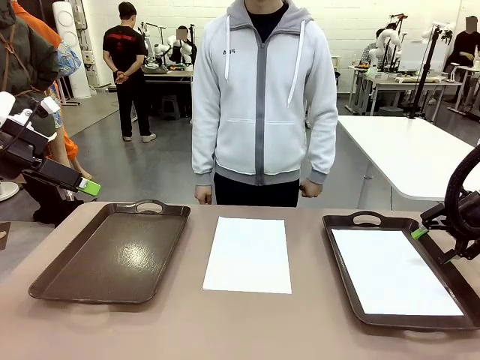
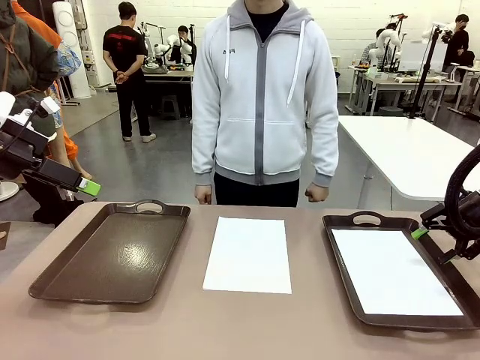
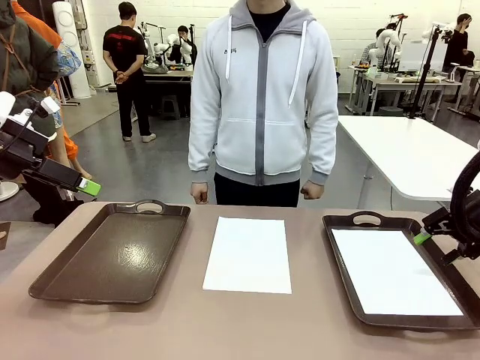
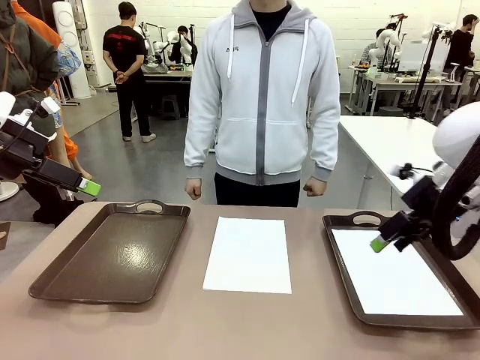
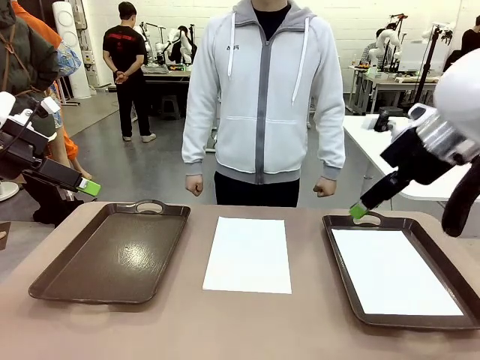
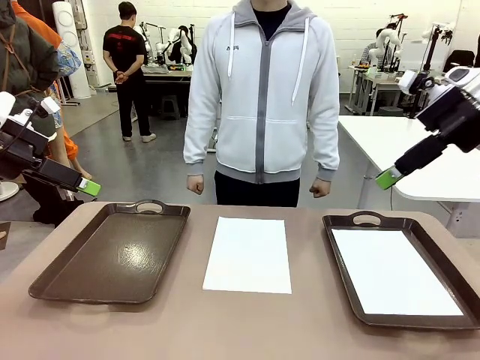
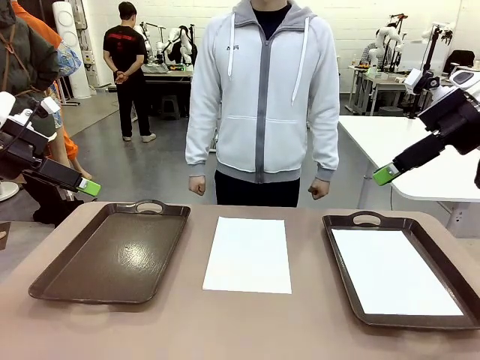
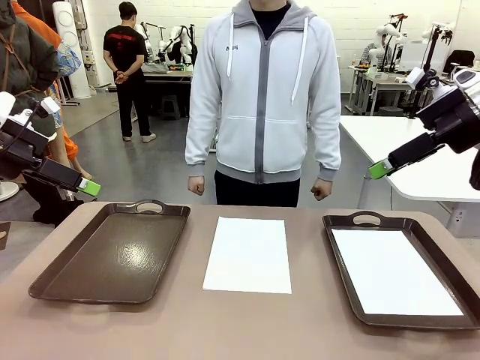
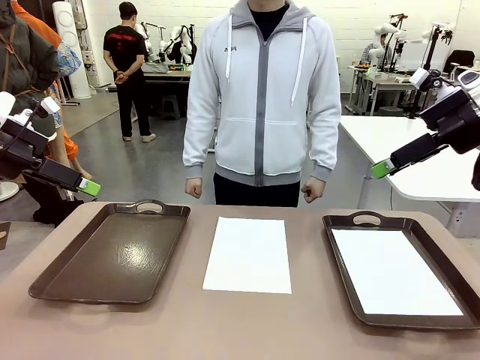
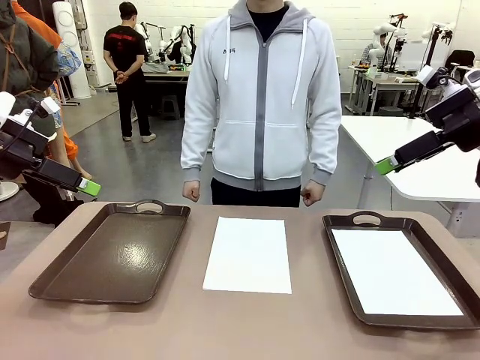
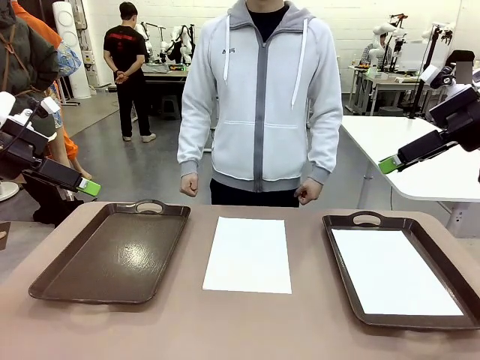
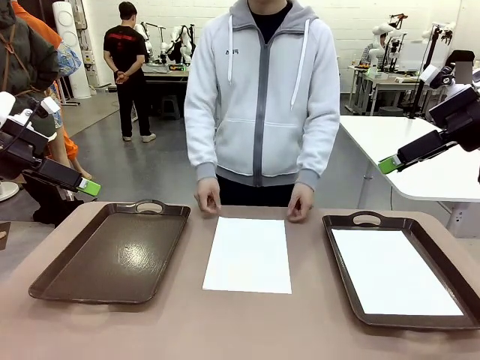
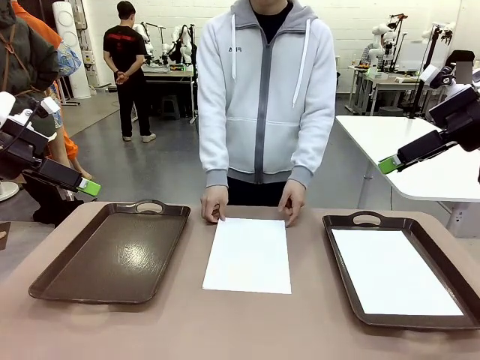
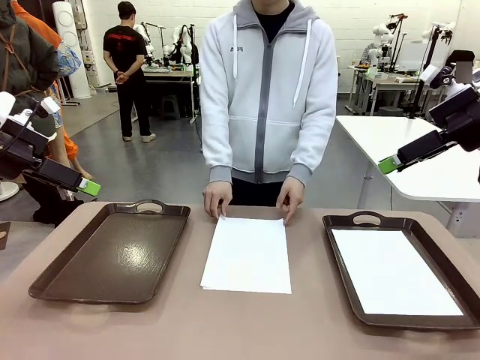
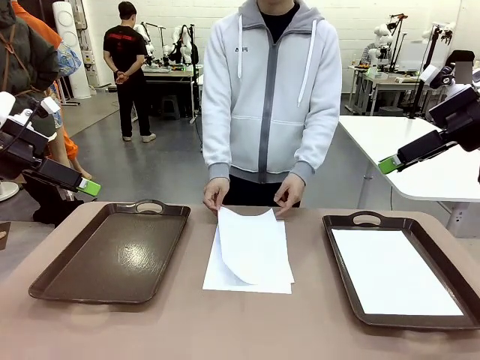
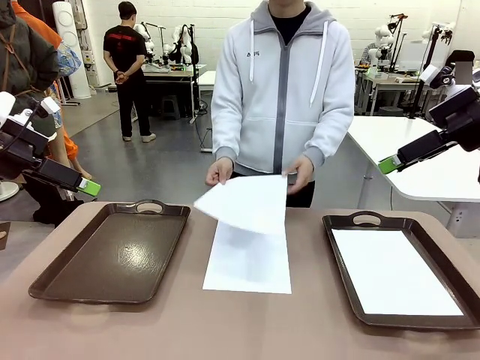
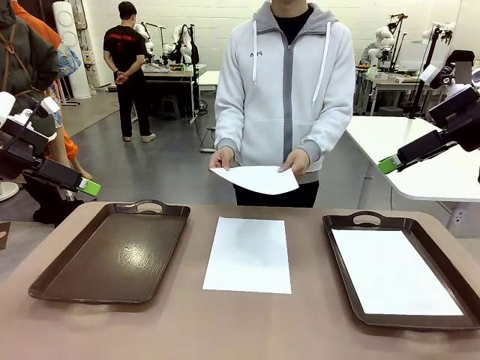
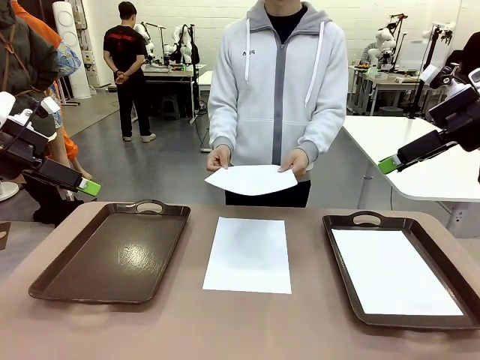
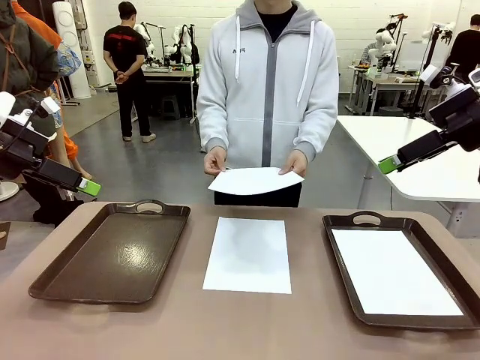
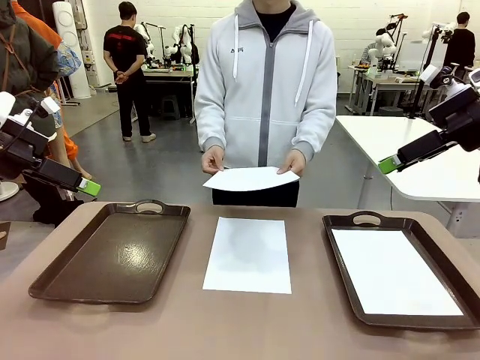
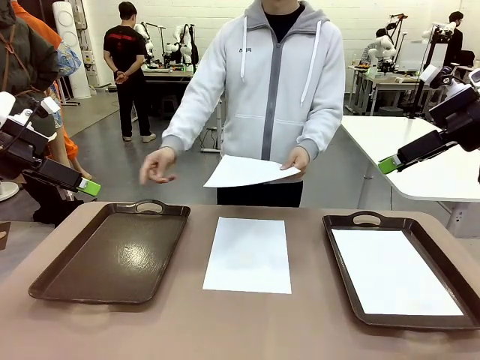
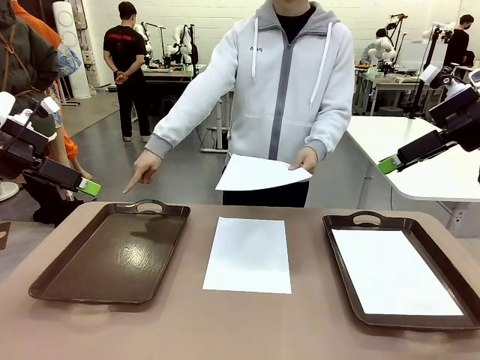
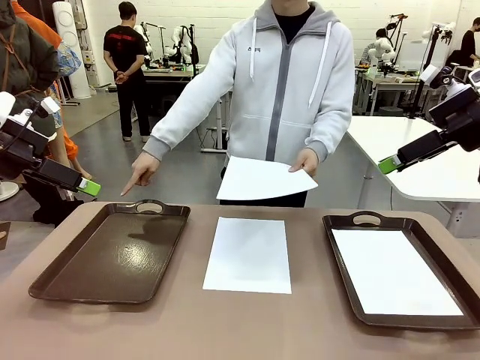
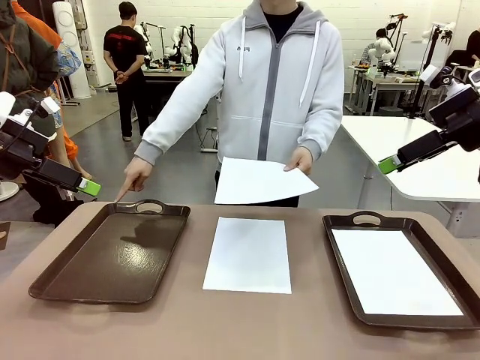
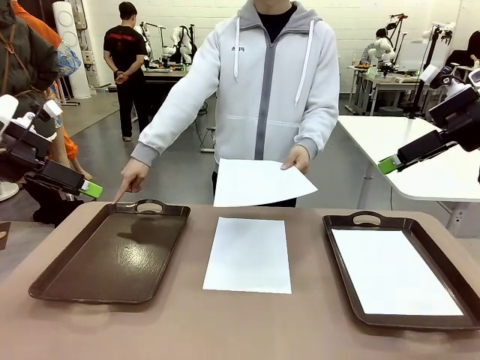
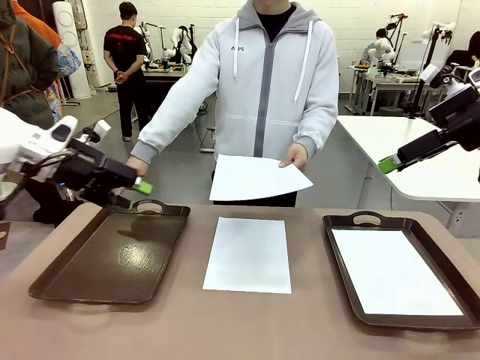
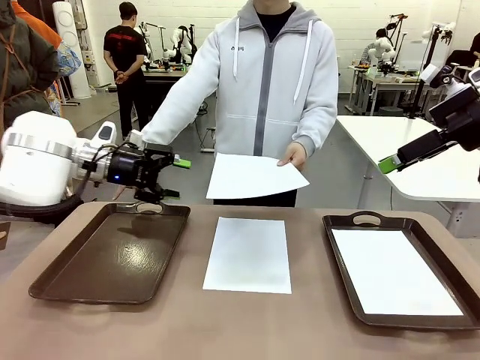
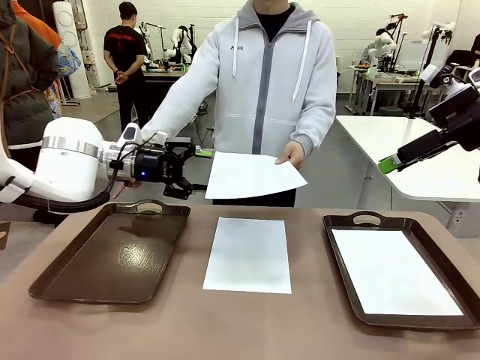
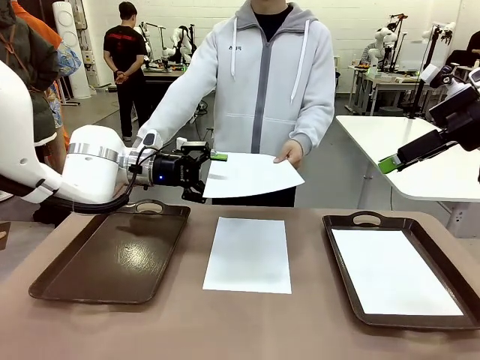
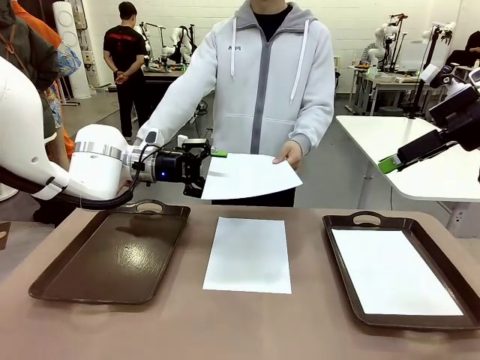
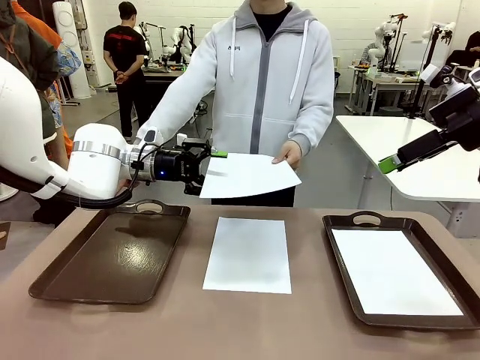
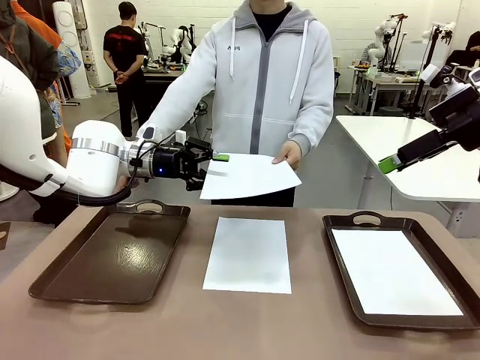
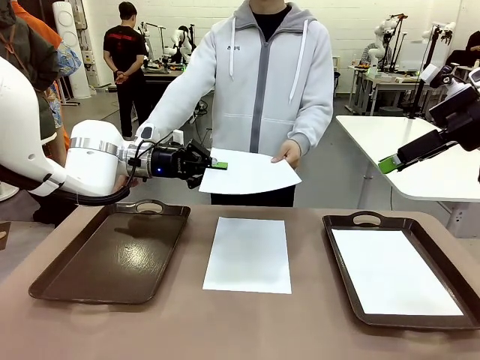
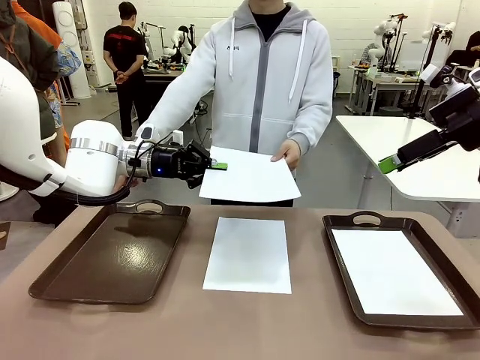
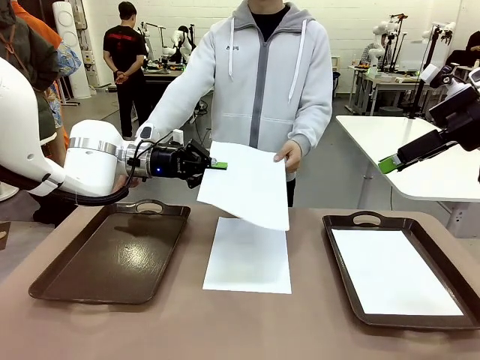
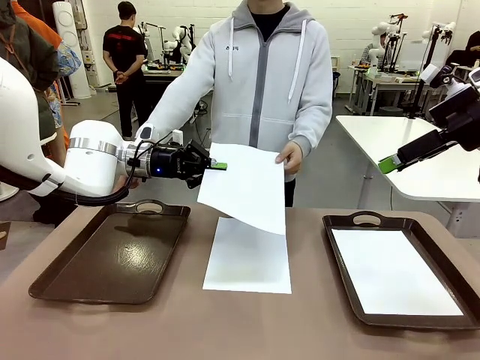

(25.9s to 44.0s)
Task: Sort the A4 documents.
Robot: Receive the A4 Paper.
Person: Point the randomly selected tray with the other hand.

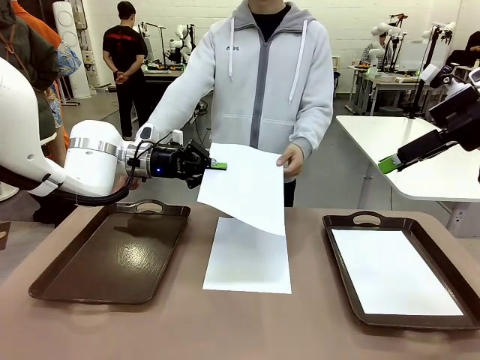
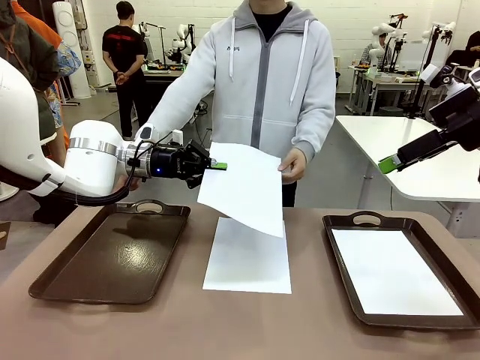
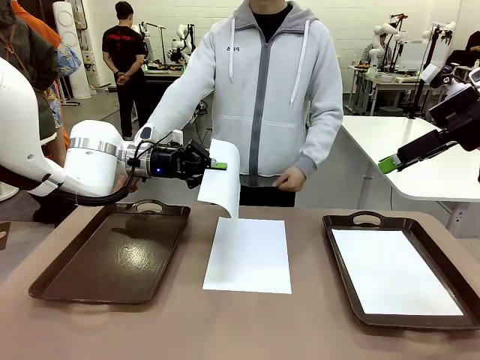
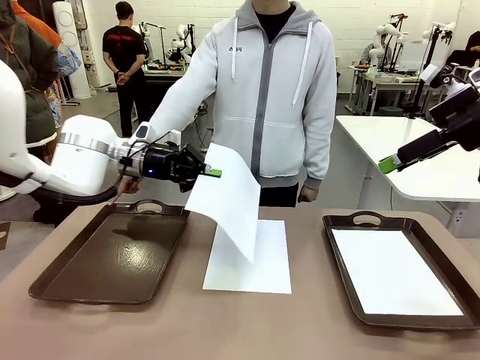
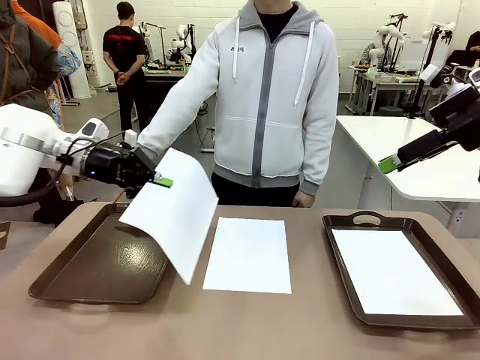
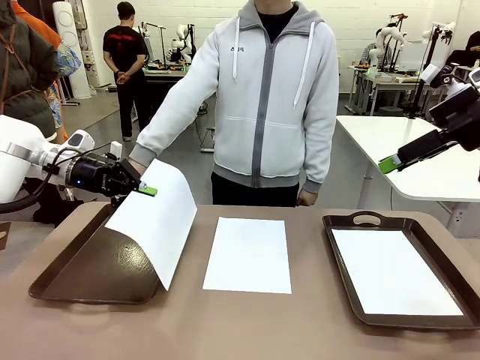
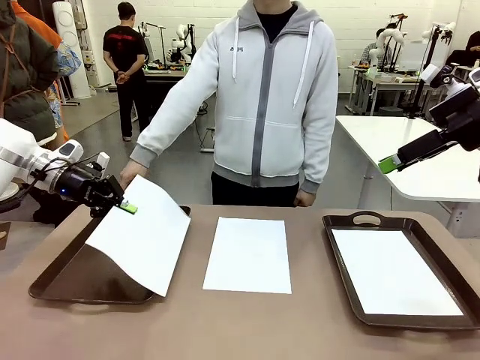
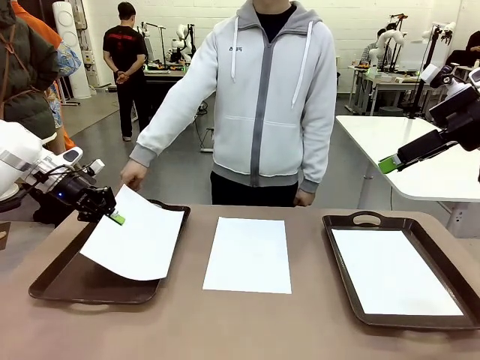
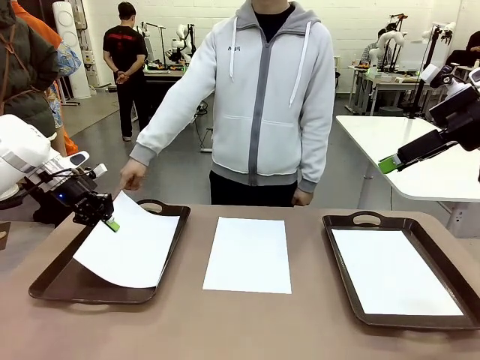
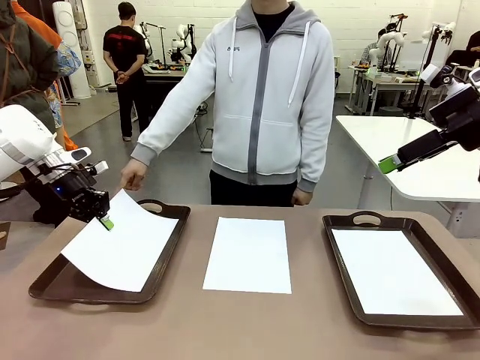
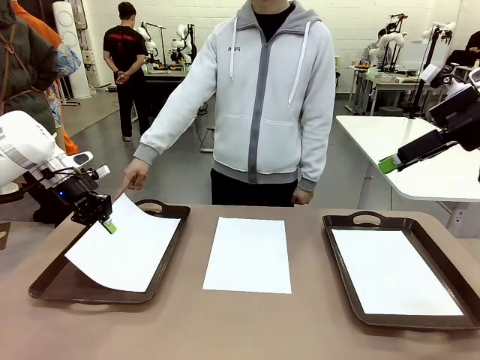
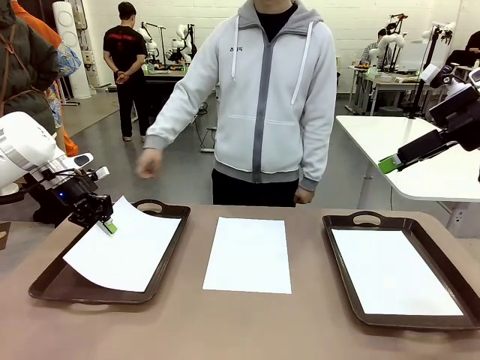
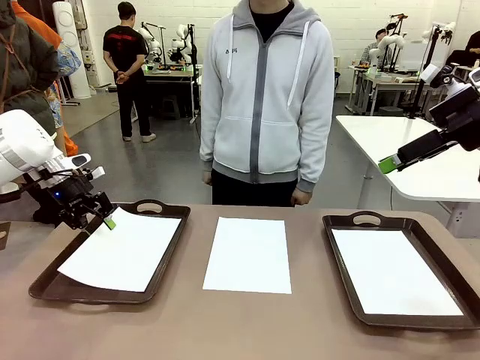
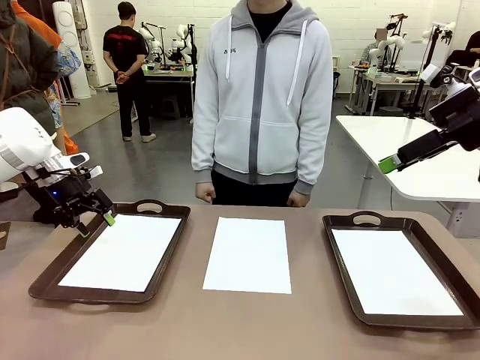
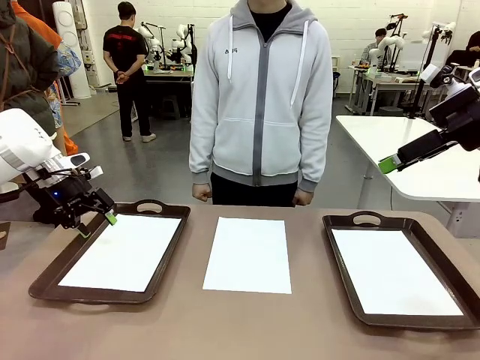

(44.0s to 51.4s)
Robot: Place the A4 Paper in the designated Handle tray.
